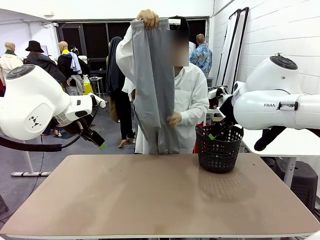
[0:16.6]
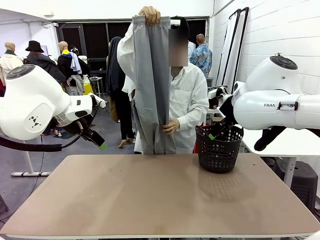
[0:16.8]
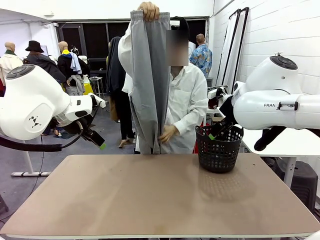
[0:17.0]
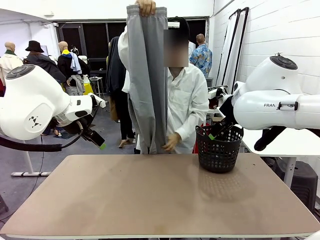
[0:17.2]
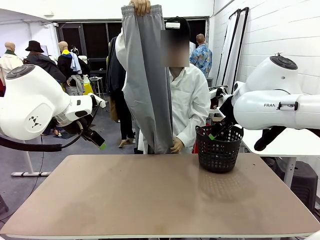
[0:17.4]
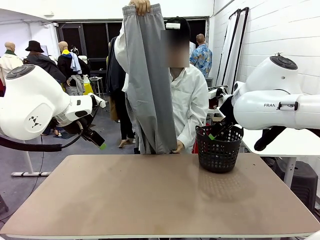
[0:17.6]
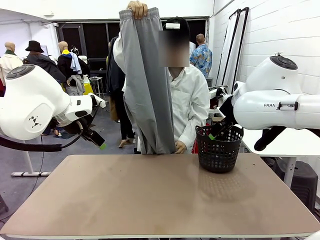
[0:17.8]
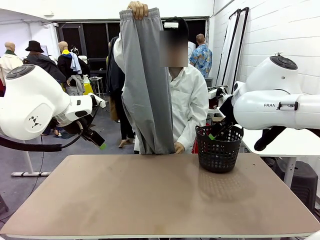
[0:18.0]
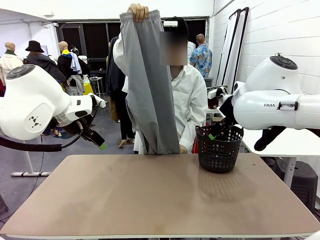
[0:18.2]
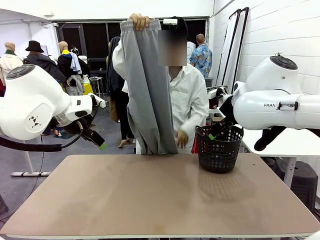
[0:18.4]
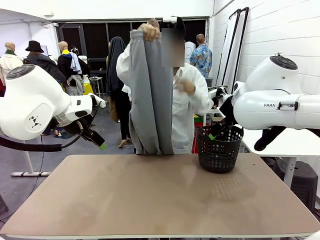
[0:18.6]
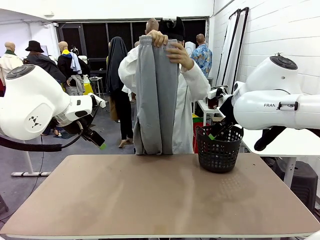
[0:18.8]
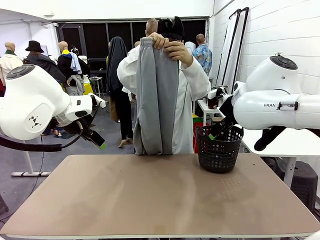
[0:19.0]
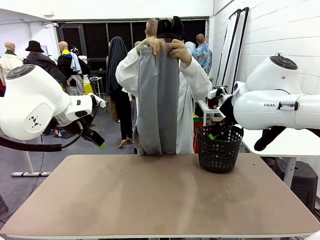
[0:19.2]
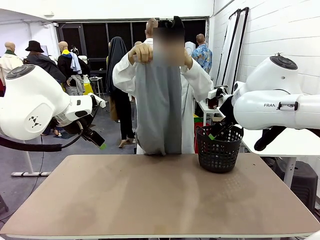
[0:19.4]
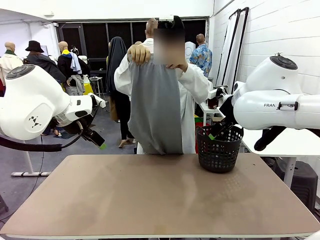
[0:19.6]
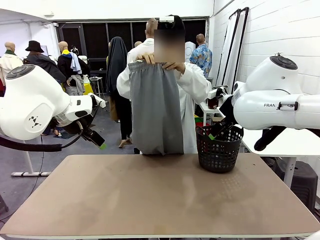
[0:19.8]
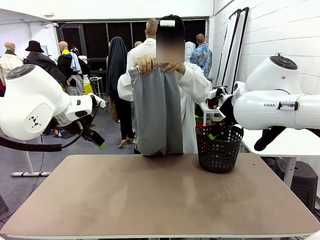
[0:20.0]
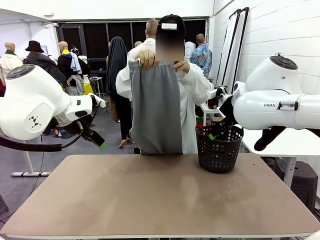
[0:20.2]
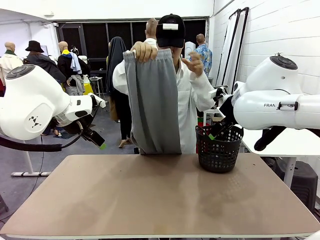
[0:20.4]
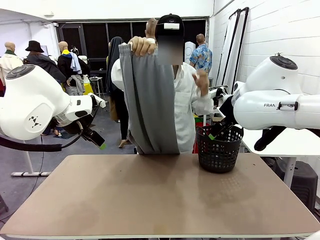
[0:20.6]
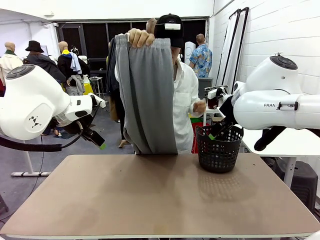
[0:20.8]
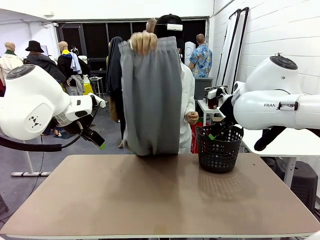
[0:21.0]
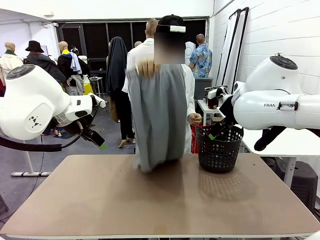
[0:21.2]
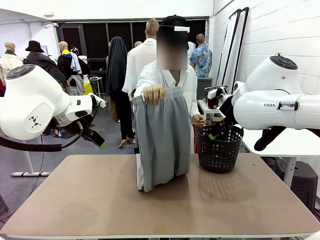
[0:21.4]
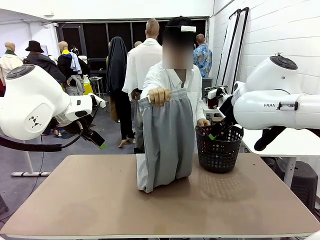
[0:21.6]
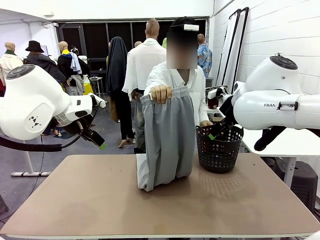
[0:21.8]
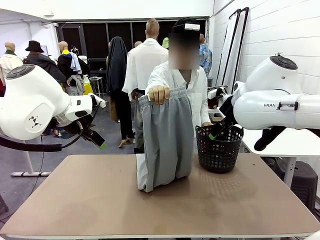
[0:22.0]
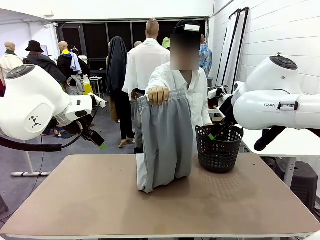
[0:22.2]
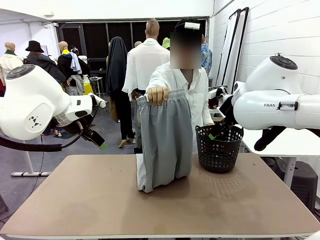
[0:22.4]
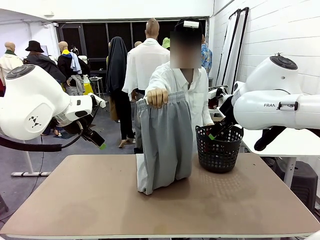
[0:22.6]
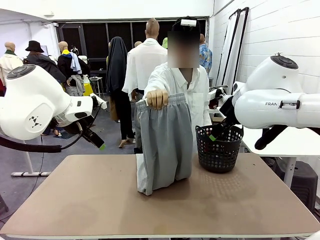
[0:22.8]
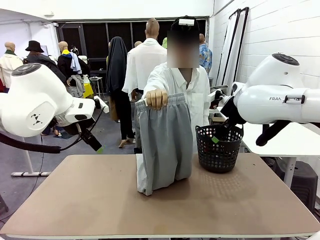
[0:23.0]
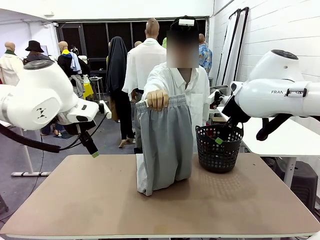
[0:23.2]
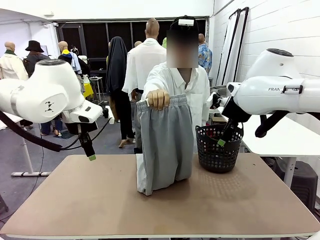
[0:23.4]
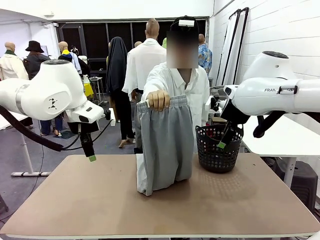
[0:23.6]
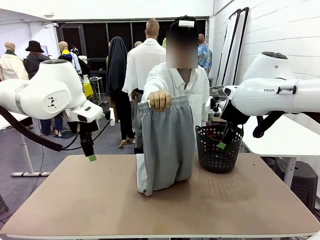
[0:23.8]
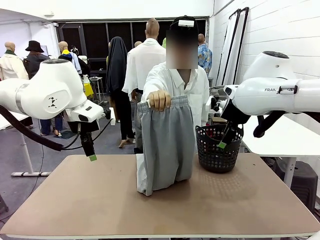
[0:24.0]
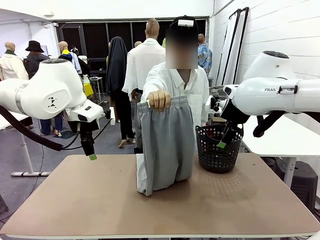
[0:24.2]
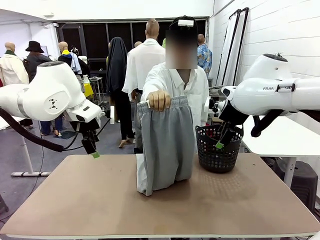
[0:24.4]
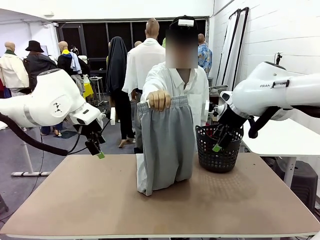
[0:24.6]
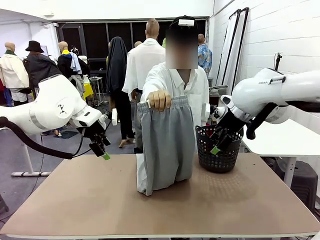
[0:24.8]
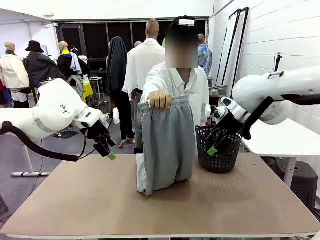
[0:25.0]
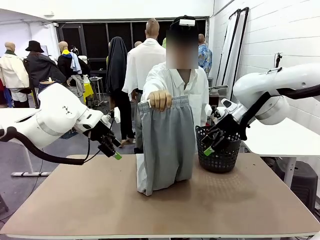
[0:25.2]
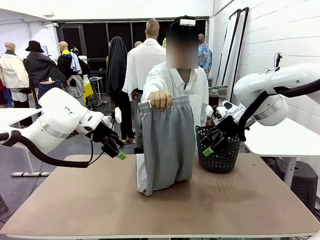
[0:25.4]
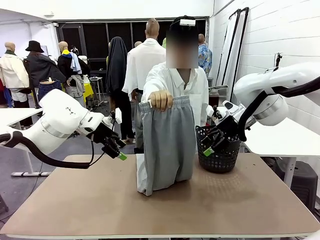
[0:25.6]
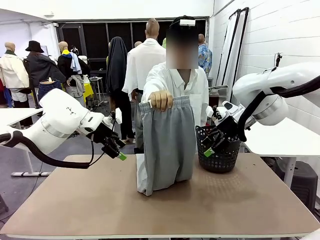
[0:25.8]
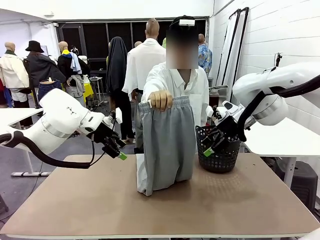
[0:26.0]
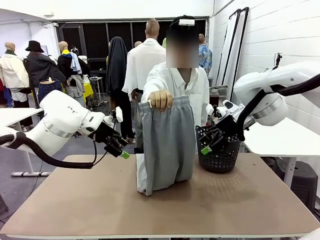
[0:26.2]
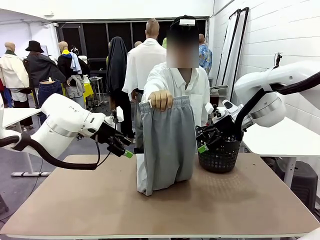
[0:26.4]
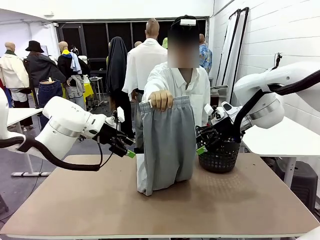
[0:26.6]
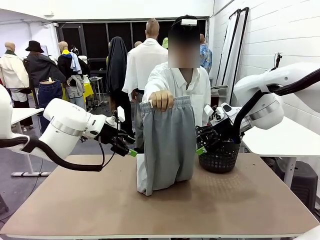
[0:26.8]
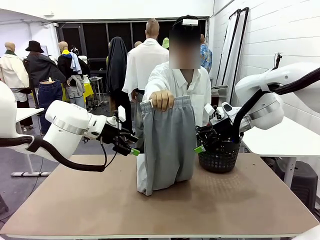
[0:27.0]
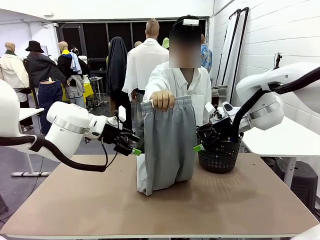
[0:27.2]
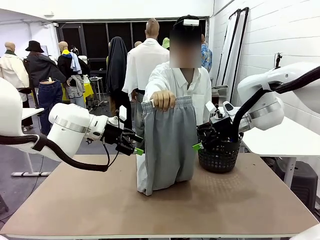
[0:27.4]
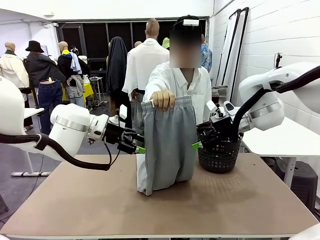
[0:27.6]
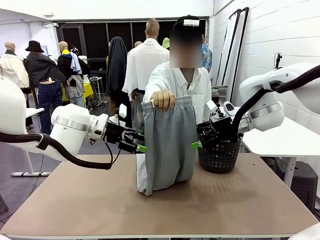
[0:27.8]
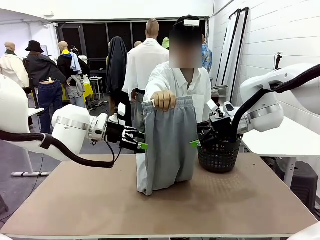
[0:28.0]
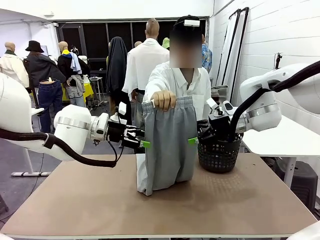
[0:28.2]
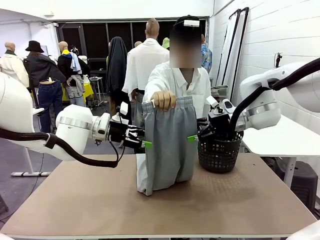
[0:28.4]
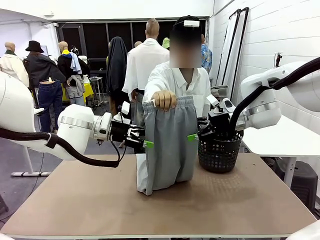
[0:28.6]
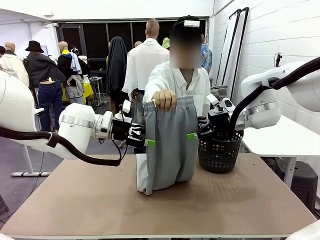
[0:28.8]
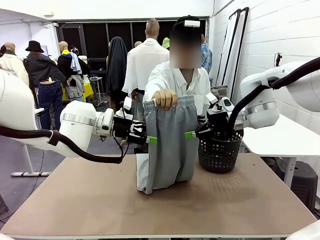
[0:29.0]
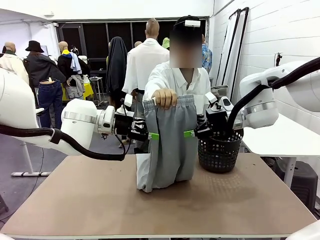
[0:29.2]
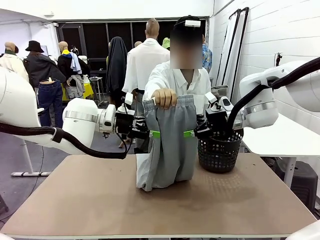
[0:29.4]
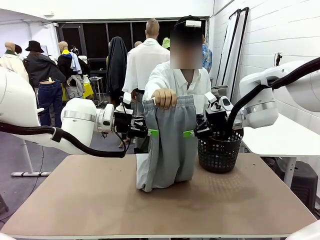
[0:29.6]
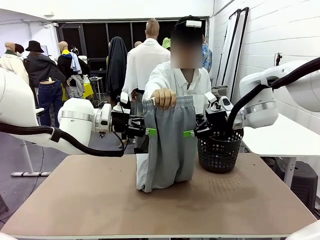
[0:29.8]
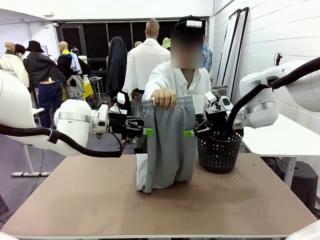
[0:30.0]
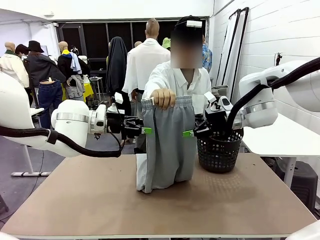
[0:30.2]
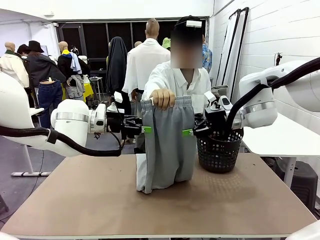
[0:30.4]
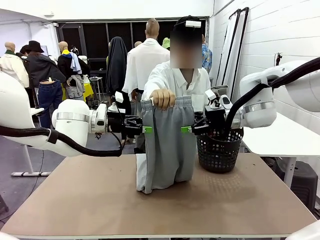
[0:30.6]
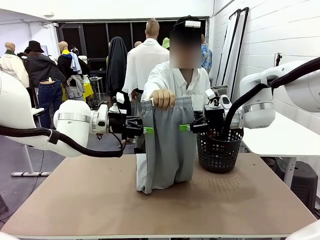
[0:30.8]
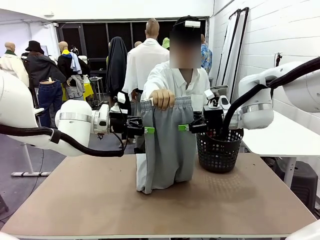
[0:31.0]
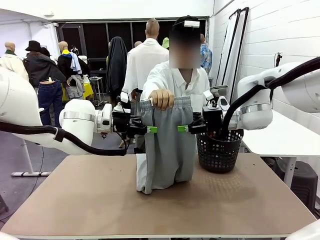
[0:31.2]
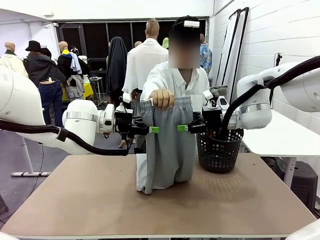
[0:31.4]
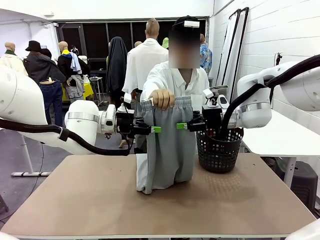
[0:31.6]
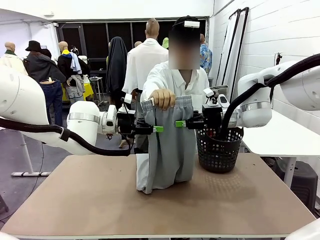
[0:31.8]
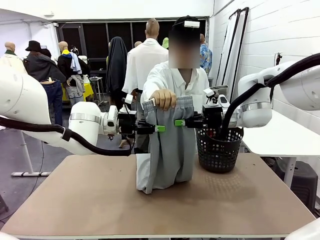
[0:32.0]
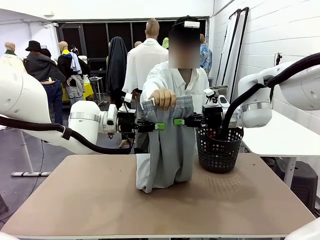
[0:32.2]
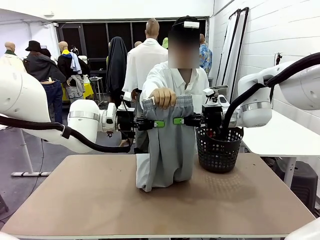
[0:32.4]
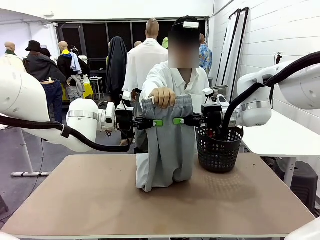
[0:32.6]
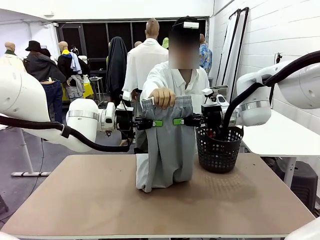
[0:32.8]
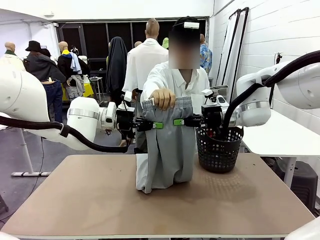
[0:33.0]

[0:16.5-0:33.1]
Task: Fold the training pants.
Robot: Grab both ends of the Training pants handed by a person.

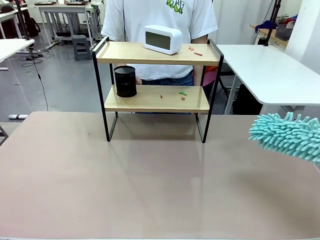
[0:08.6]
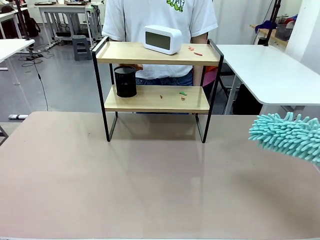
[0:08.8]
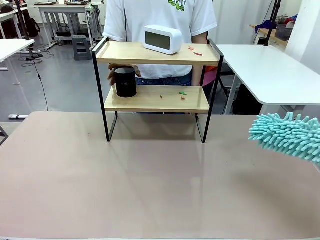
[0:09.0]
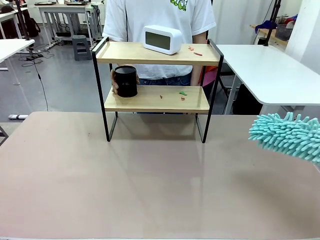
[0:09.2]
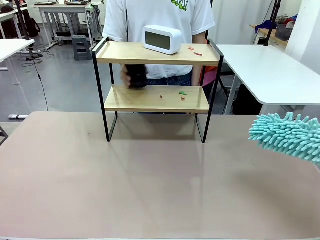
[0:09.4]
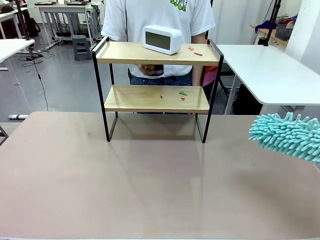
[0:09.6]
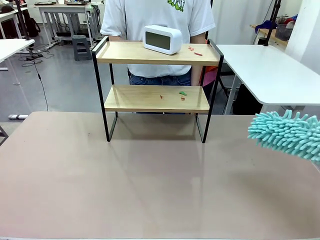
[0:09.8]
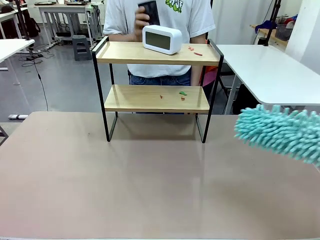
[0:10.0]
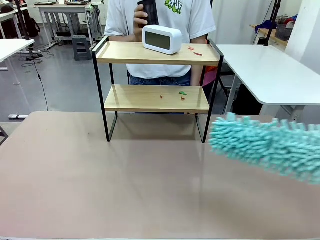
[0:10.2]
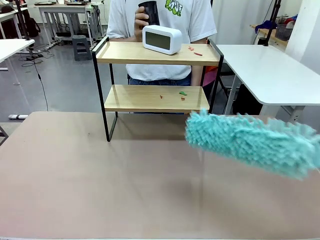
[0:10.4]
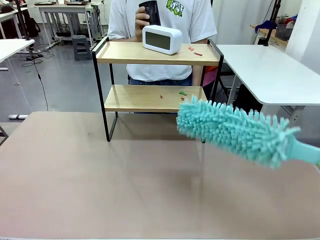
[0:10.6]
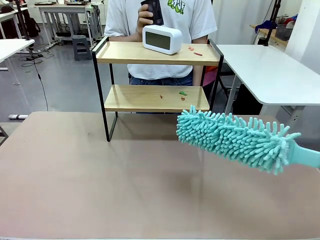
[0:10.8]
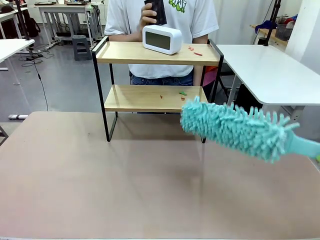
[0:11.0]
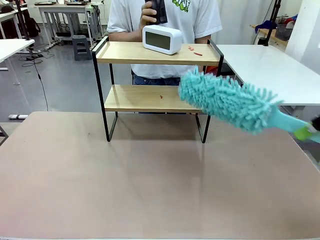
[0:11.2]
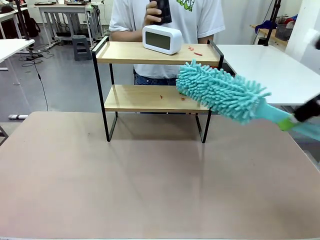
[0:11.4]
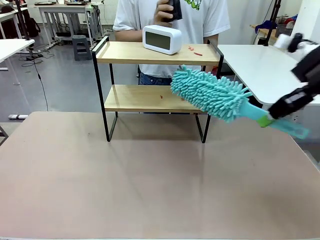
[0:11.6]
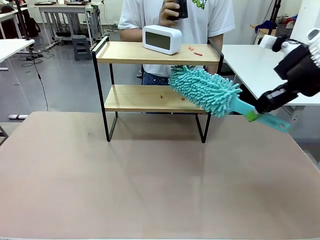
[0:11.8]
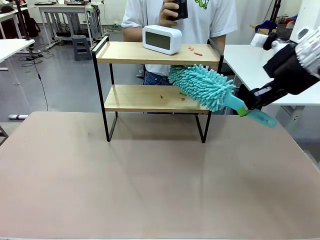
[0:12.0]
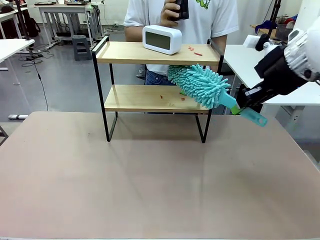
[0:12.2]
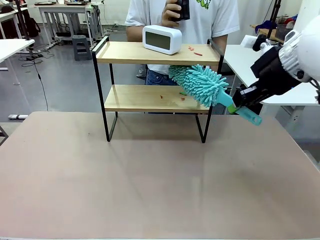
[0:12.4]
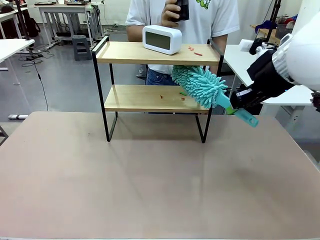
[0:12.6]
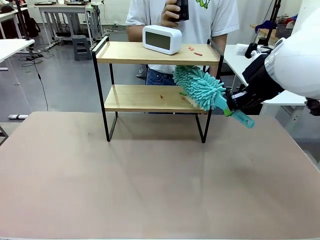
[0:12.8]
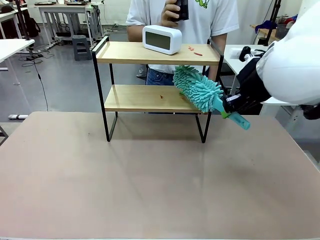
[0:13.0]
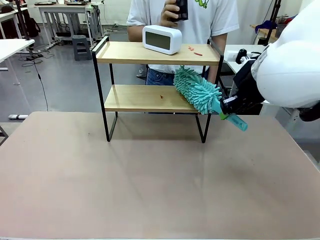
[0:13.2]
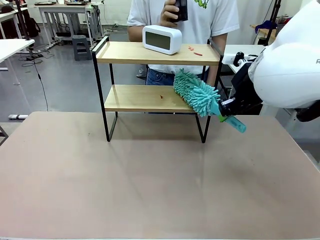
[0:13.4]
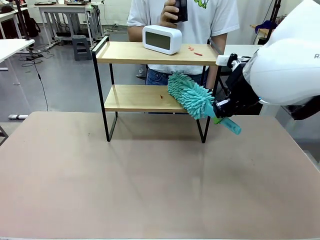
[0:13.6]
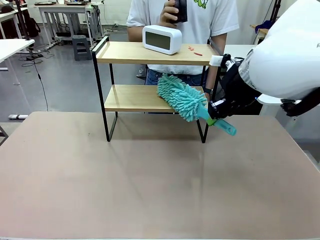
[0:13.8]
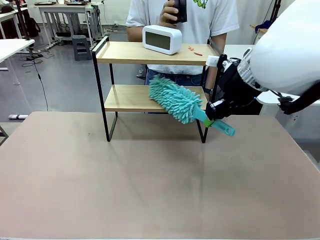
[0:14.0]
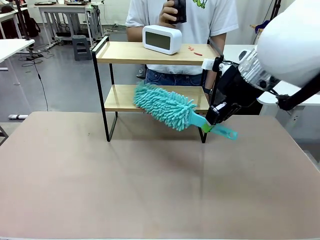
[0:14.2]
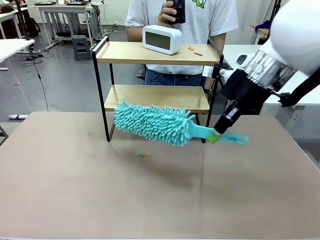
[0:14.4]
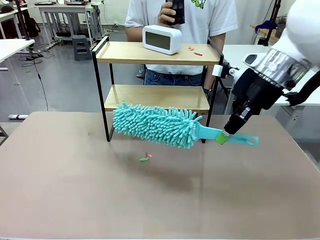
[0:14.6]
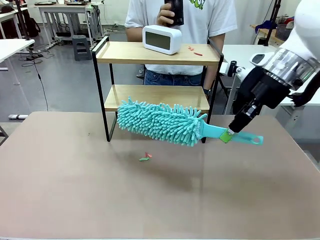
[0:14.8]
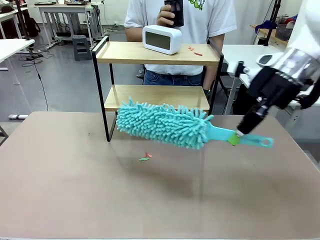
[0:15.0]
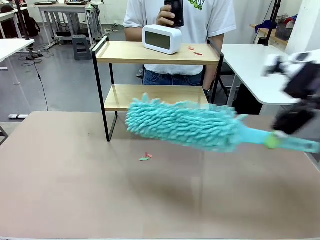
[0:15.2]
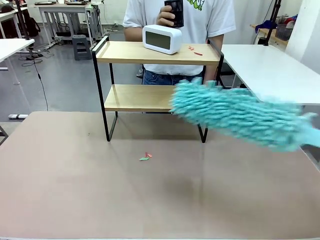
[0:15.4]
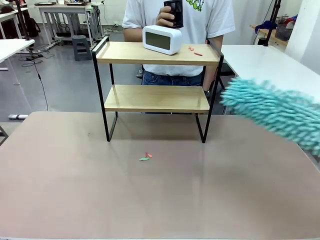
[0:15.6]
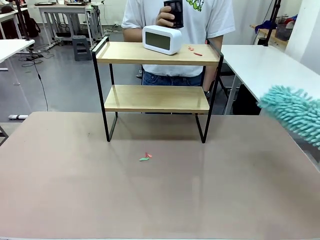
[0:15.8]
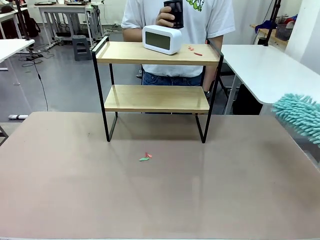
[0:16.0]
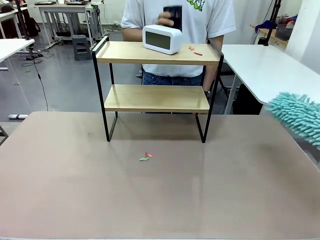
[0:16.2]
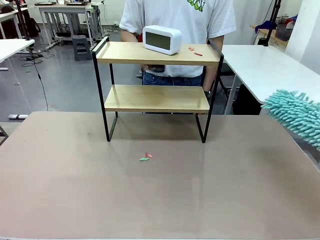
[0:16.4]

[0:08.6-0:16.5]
Task: Clean the shelf.
Robot: Clean the specific tier of the Shelf with the Duster once objects are removed.
Person: Lift the objects on a randomly selected tier of the Shelf. Once the robot finishes cleaning, lift the objects on the remaining tiers of the Shelf.
